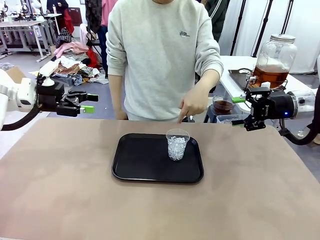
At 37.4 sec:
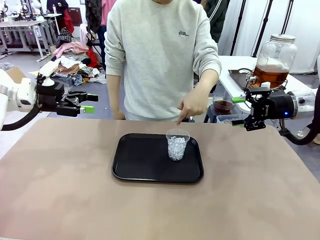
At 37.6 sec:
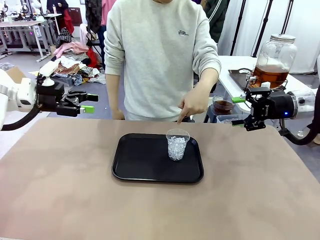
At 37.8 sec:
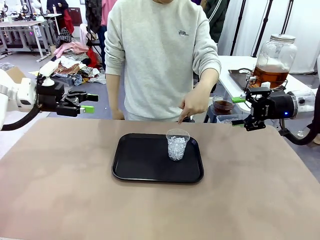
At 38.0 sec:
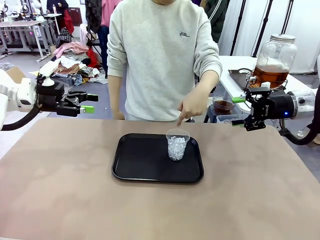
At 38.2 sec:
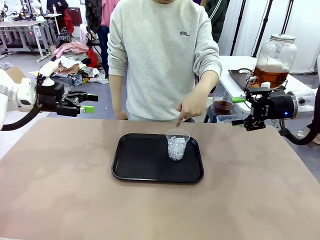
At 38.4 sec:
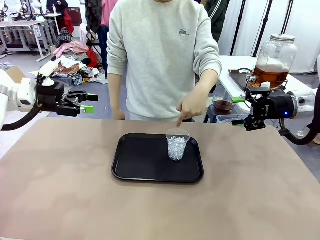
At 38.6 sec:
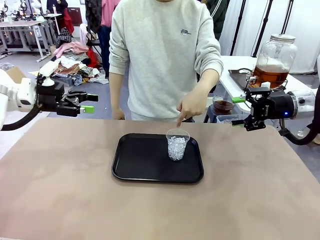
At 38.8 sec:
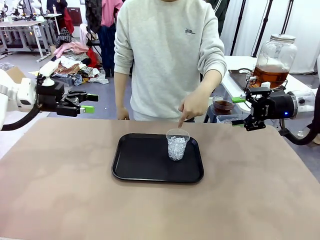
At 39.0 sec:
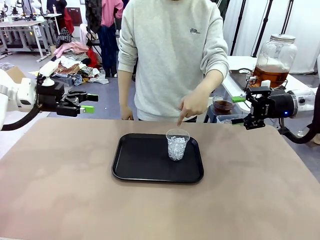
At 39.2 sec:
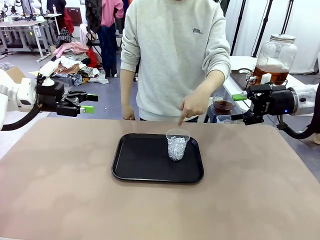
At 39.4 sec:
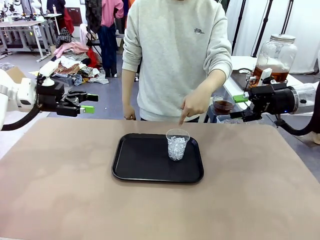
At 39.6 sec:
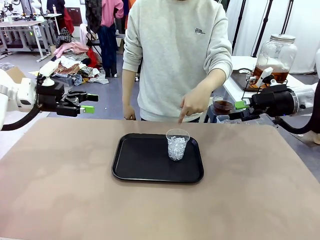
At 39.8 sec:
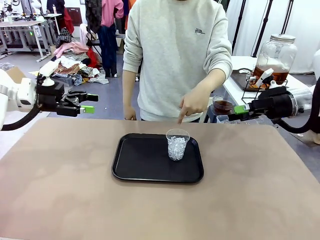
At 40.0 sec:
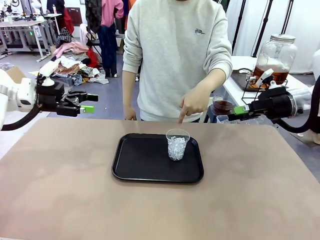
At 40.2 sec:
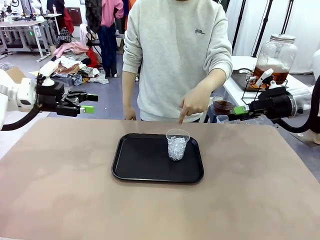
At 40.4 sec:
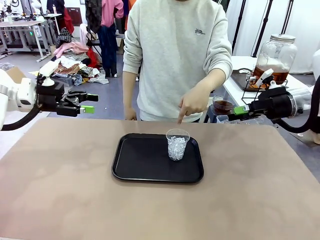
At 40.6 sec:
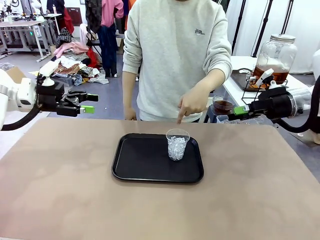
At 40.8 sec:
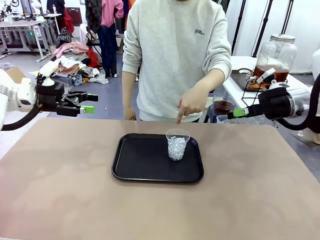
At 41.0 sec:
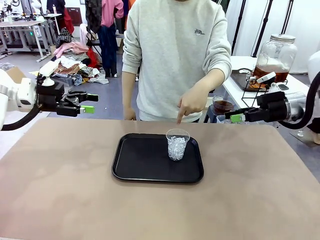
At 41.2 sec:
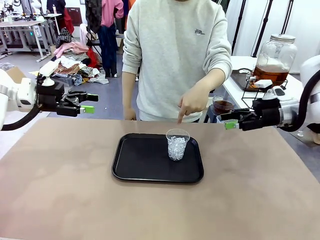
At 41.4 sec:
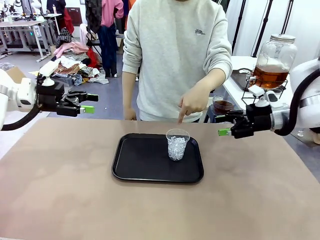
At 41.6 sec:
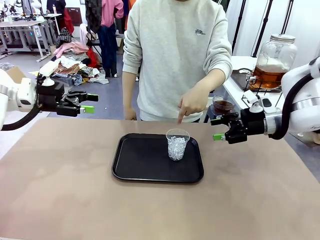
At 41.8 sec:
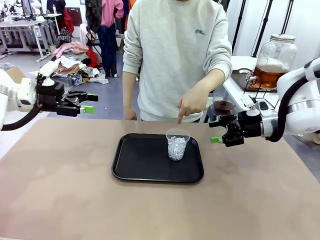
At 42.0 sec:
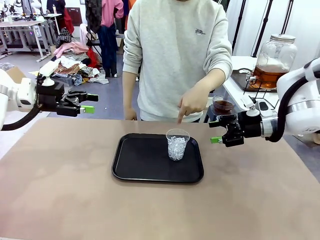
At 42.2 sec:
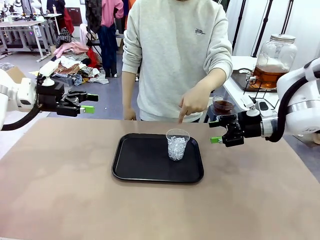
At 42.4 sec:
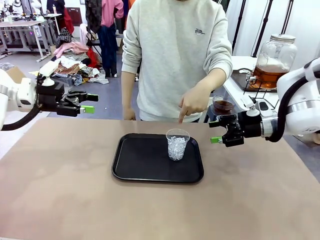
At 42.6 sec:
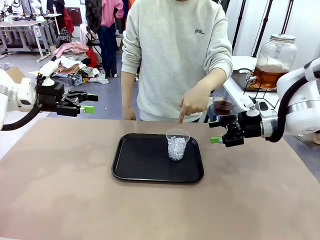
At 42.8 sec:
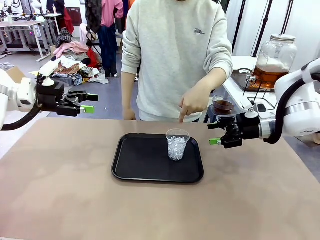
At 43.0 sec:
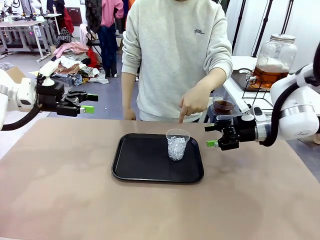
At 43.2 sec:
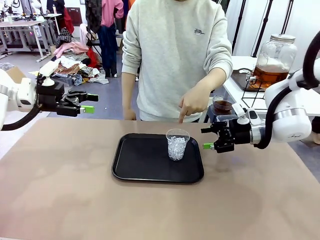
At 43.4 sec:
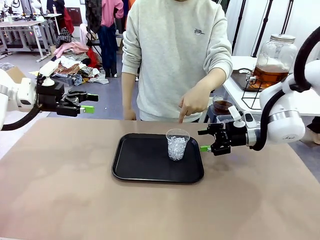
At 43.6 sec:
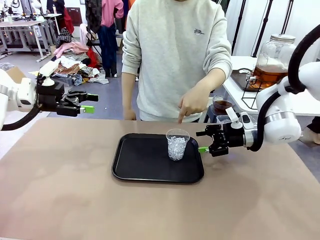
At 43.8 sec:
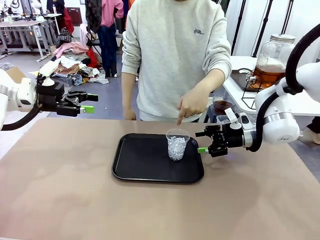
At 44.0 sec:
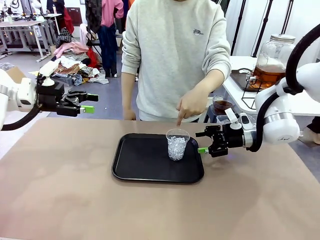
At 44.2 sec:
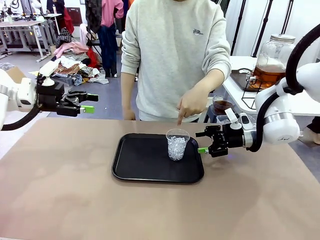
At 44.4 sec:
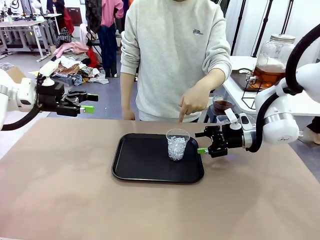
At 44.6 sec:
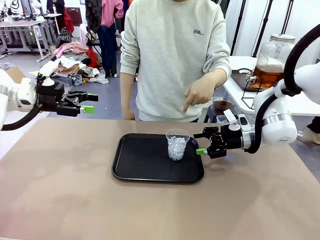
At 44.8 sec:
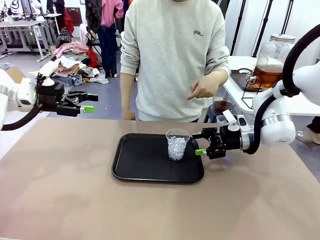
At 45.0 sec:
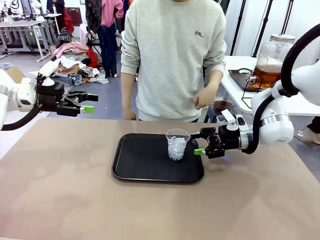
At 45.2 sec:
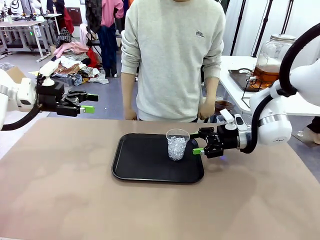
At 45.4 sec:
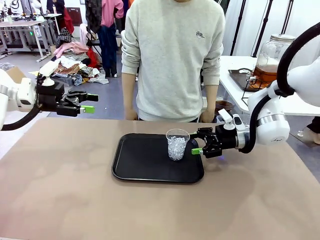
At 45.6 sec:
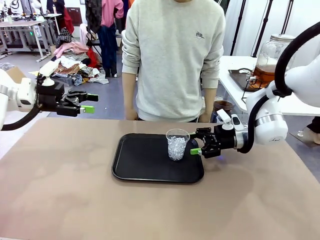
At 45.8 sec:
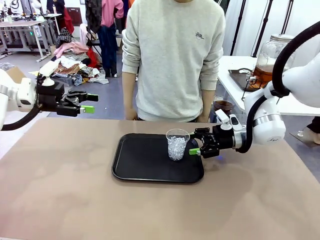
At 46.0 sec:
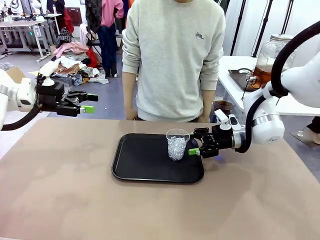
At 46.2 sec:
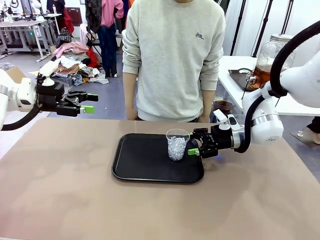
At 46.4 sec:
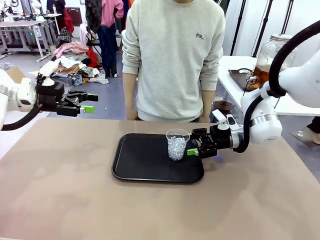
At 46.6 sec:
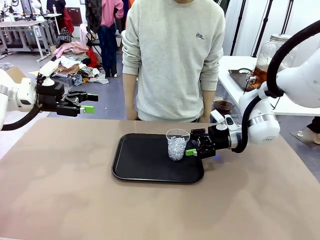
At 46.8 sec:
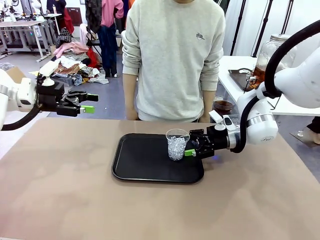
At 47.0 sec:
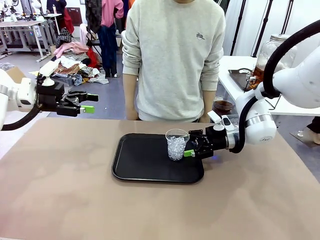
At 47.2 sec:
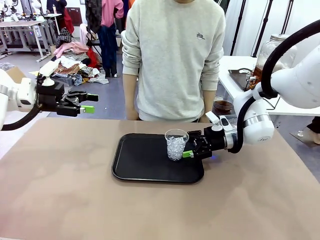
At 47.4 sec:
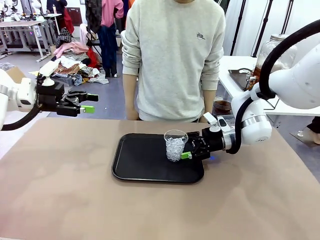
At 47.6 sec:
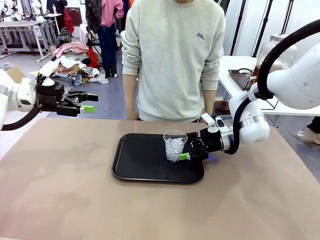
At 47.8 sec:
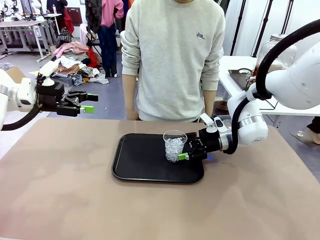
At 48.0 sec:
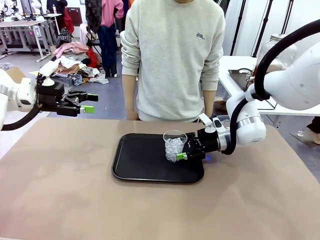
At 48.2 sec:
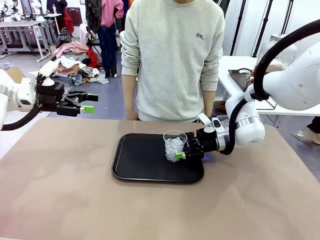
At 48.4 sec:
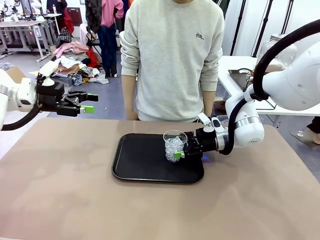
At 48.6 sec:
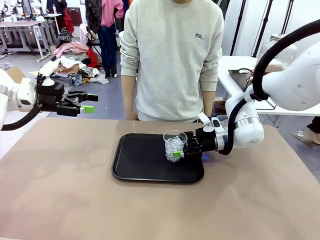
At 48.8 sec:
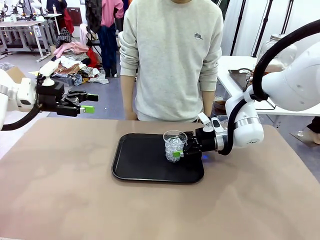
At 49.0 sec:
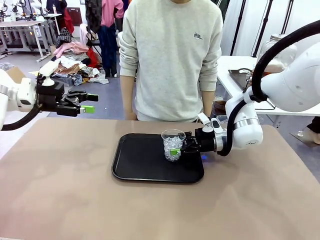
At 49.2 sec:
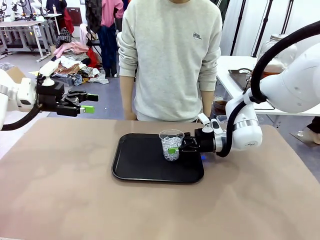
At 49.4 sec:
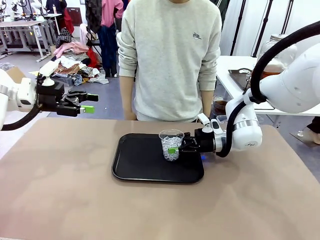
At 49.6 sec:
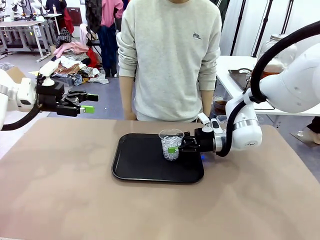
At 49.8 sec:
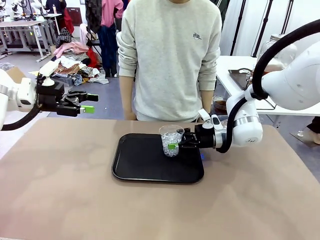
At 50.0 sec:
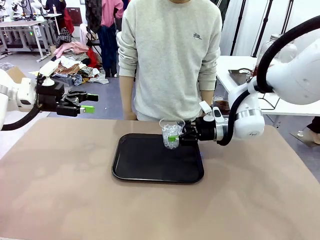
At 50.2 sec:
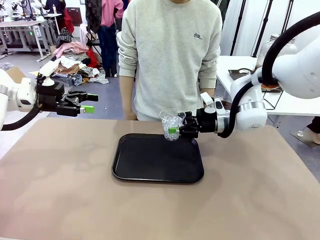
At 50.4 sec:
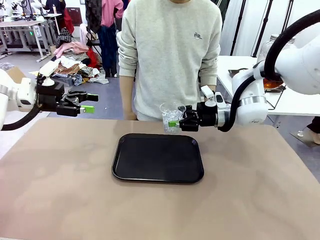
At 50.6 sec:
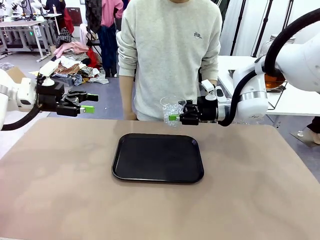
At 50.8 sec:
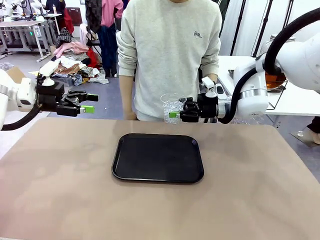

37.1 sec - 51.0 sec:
Task: Pour the drink into the iced cup.
Robot: Pick up the iced cup indicated by the human and present it to them.
Person: Pick up the cup offered by the robot.
